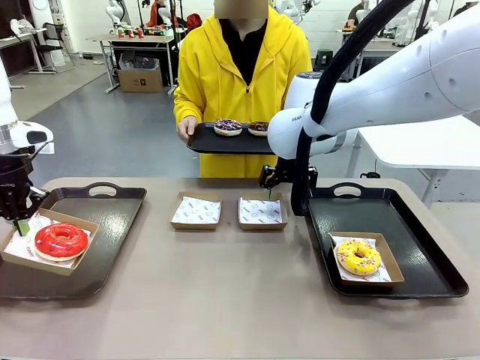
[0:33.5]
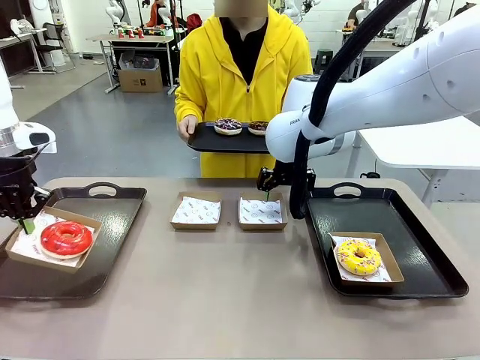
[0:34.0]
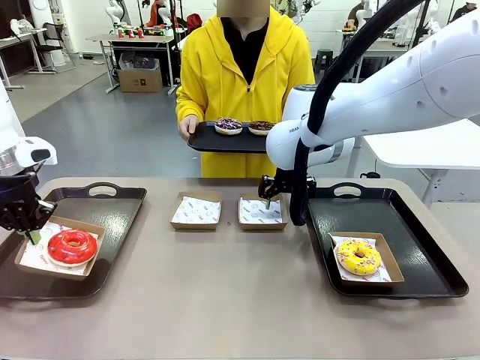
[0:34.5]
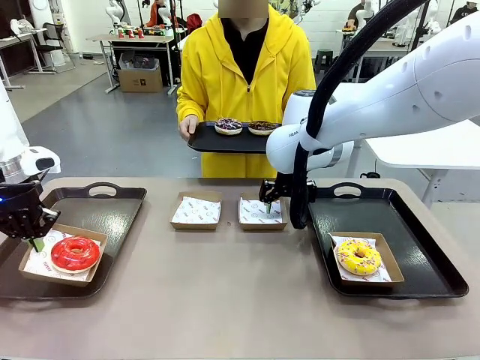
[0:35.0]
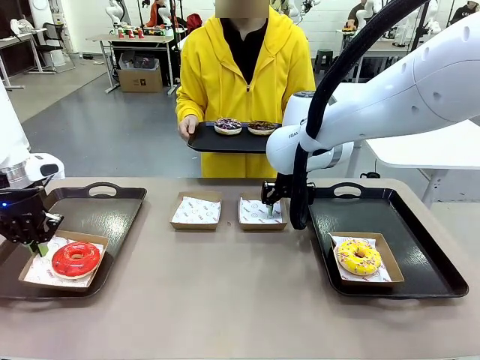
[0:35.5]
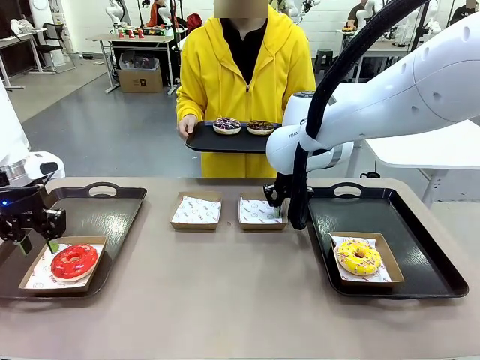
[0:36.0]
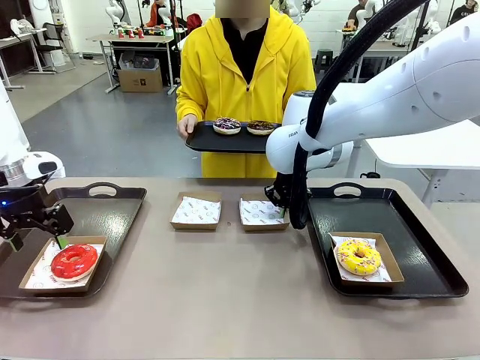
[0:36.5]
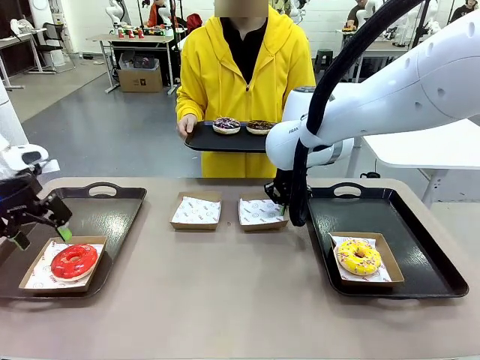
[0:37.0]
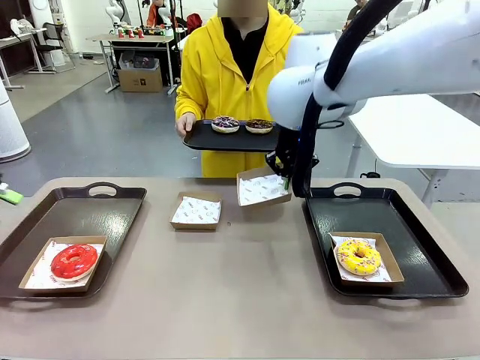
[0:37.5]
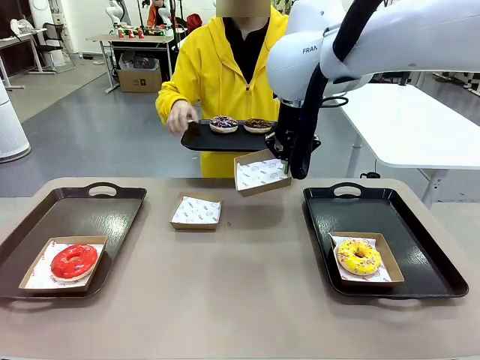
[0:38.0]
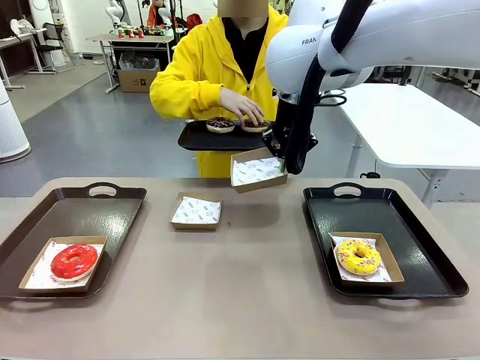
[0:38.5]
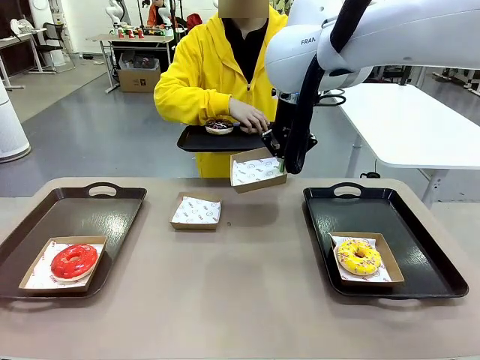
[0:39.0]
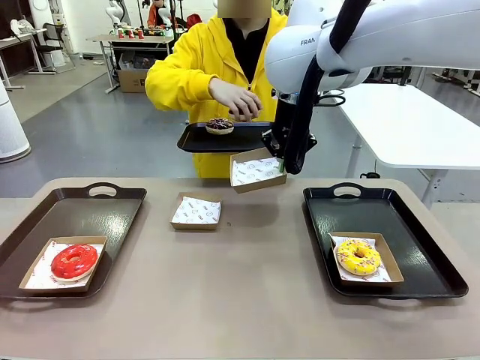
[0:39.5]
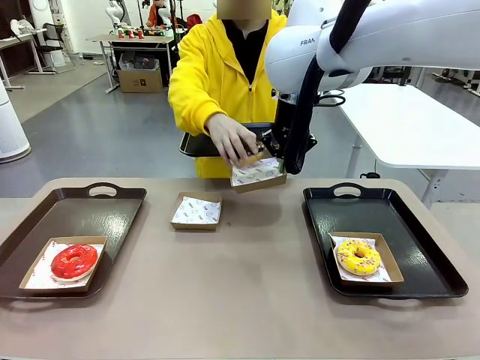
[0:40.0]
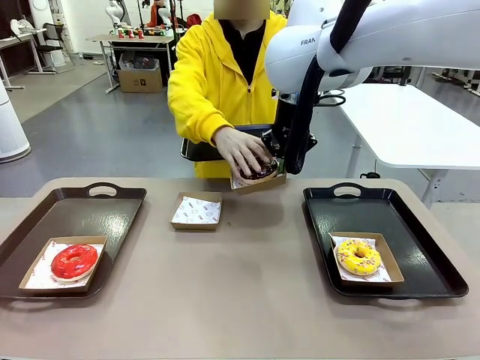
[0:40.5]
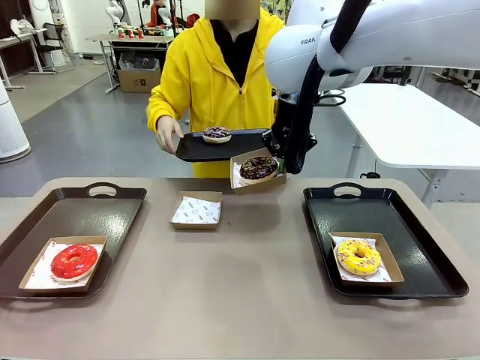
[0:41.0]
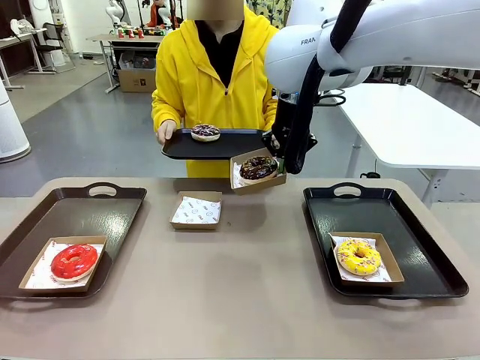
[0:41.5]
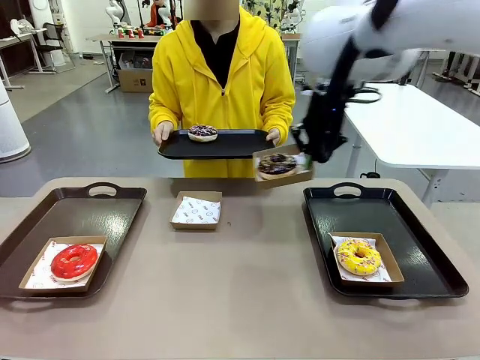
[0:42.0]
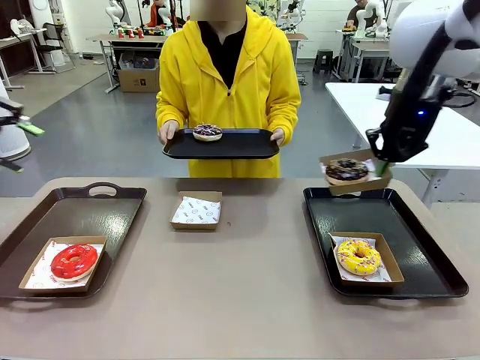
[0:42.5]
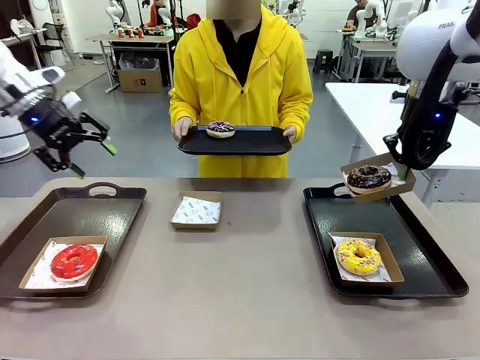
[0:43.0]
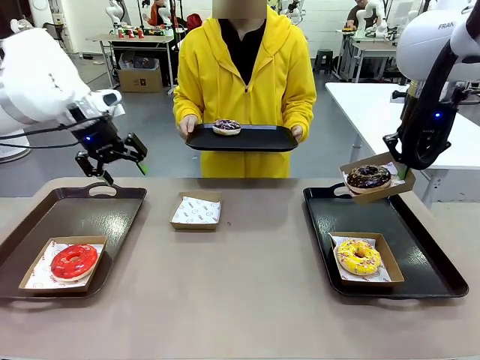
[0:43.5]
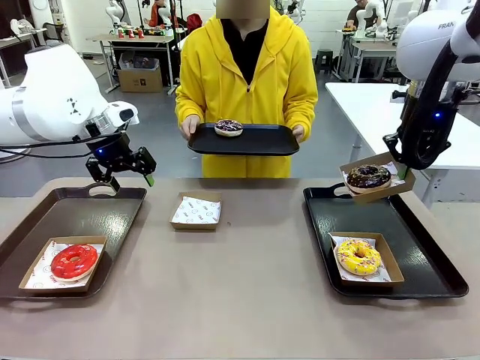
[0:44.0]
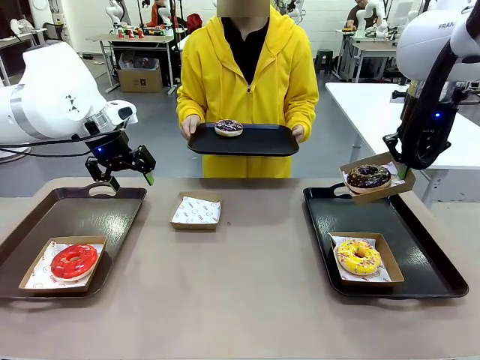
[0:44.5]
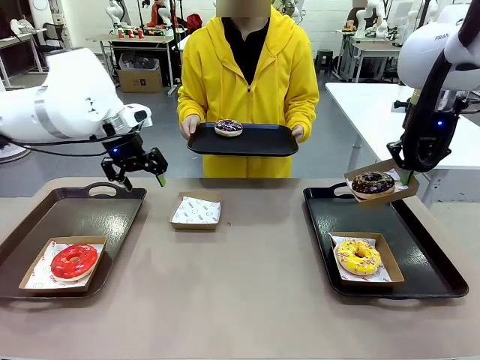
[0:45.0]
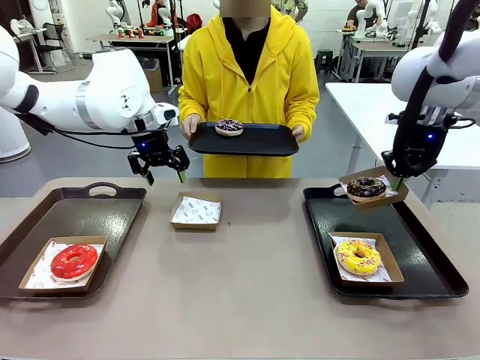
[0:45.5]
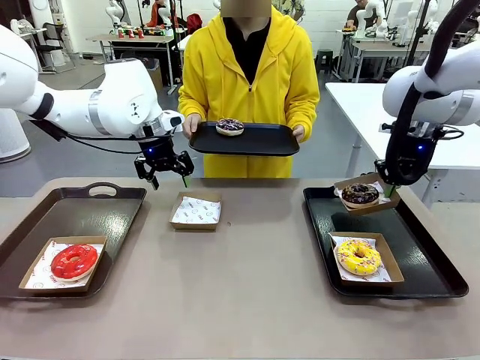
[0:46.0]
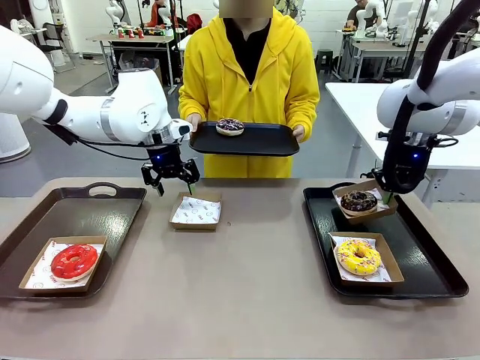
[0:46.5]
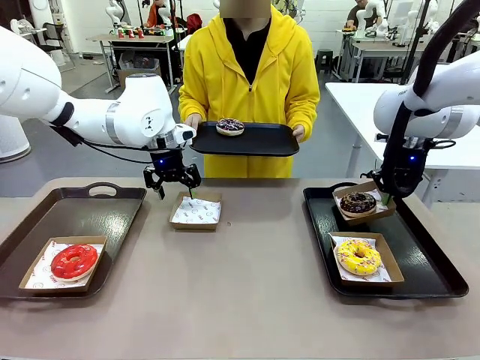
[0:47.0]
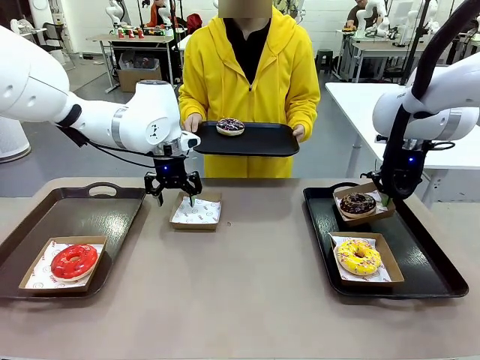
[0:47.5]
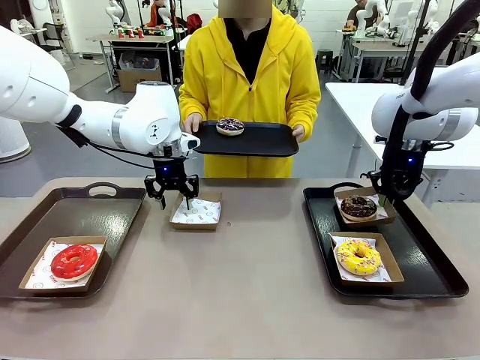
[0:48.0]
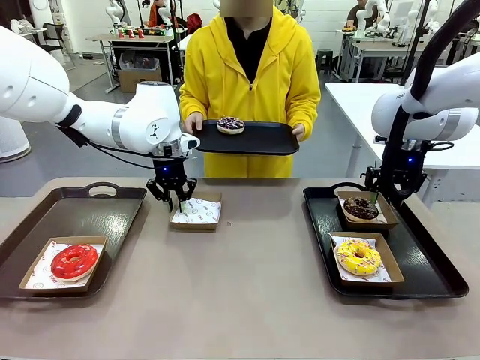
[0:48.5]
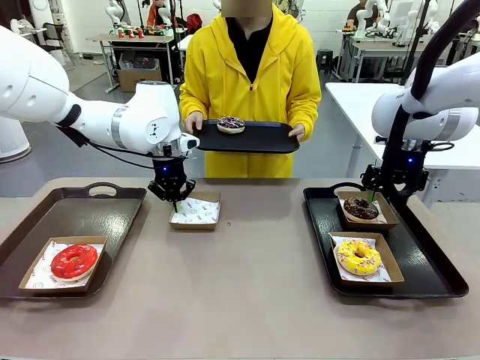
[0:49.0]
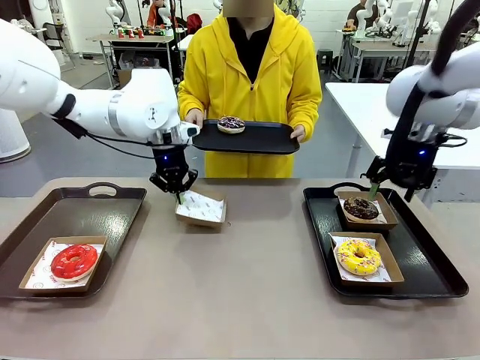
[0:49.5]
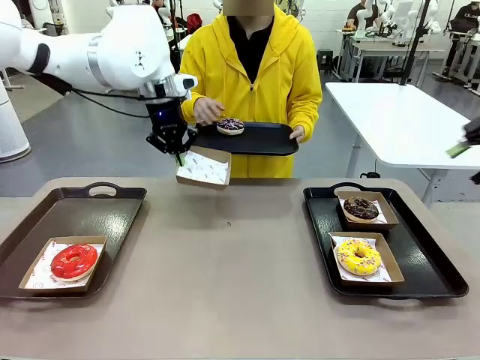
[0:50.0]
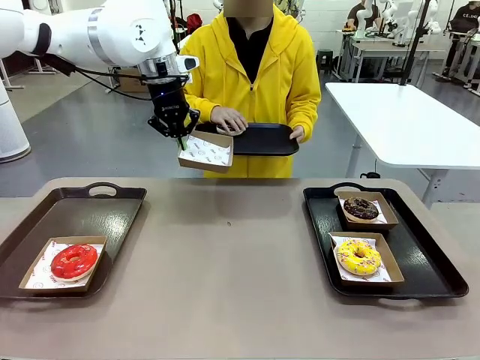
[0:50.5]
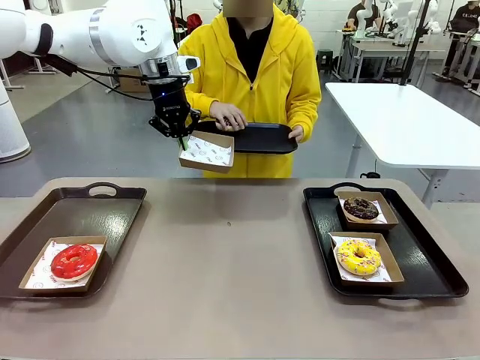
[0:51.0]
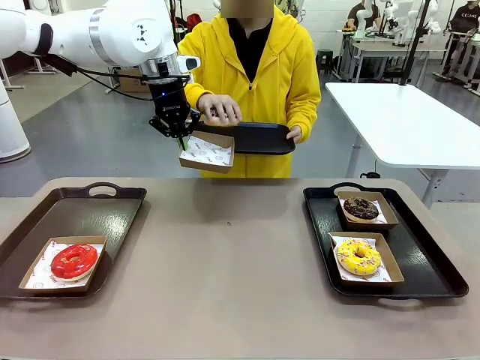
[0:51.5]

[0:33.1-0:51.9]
Task: Individually package the donuts and arrange them on the tray.
Robot: Place the picked Paper togo box on the Handle tray while simultaneously picking up another Paper togo box from the table with the other hand.

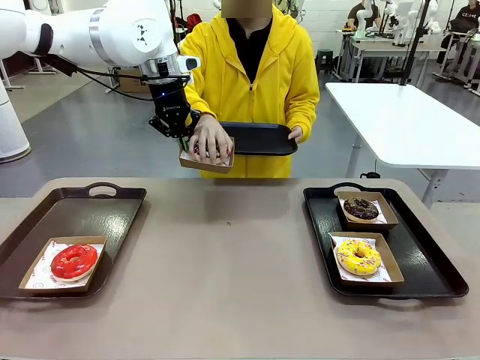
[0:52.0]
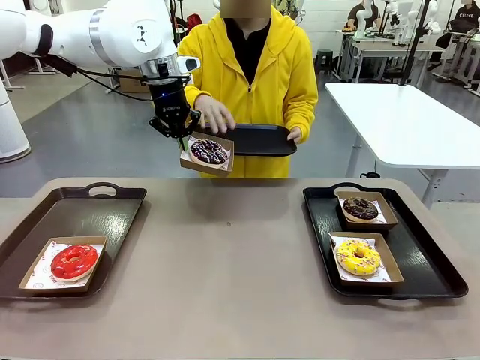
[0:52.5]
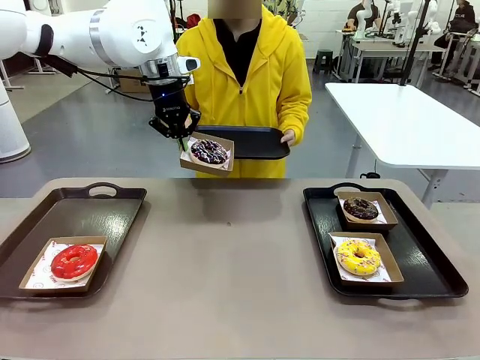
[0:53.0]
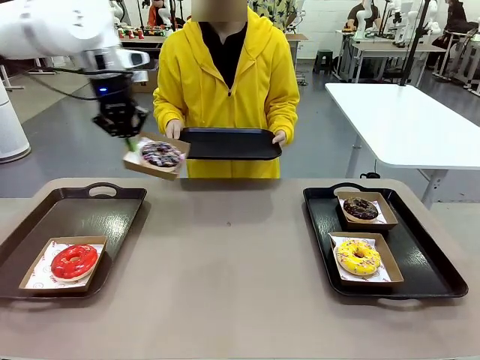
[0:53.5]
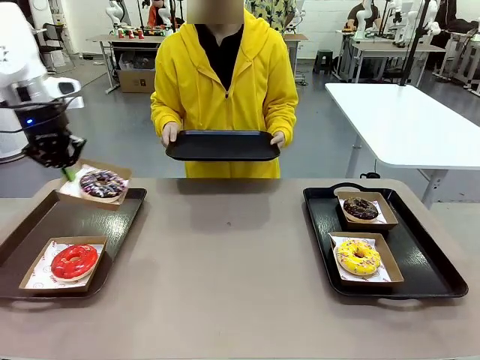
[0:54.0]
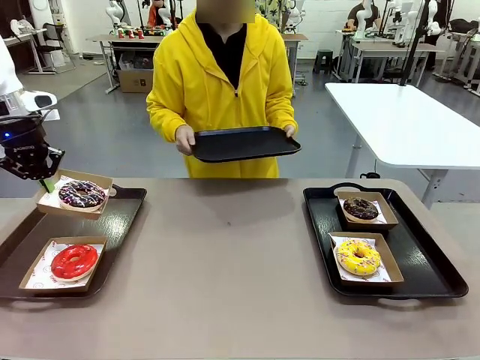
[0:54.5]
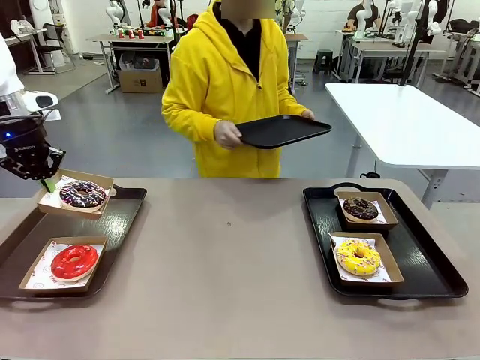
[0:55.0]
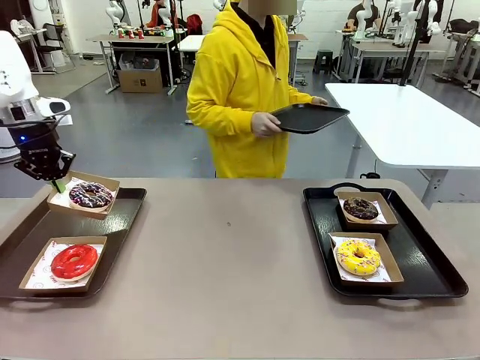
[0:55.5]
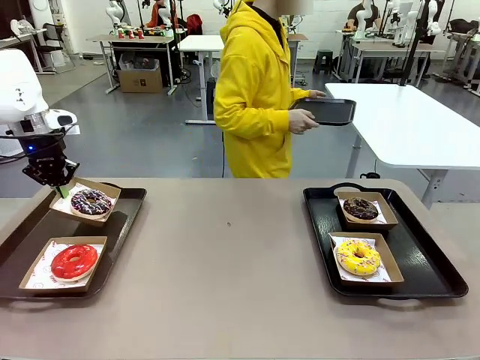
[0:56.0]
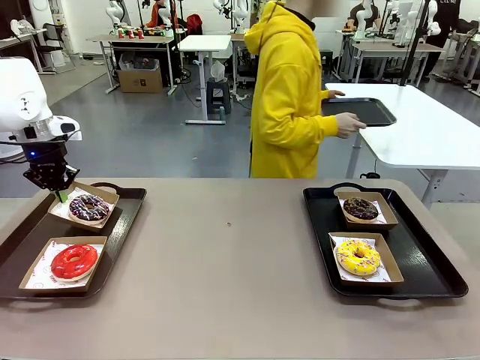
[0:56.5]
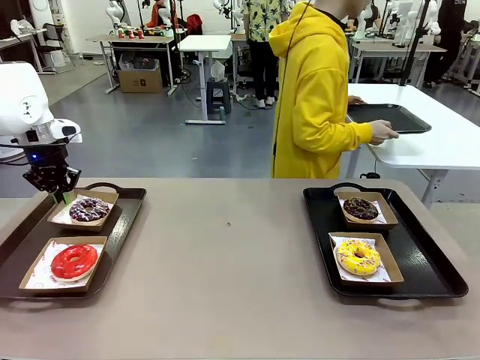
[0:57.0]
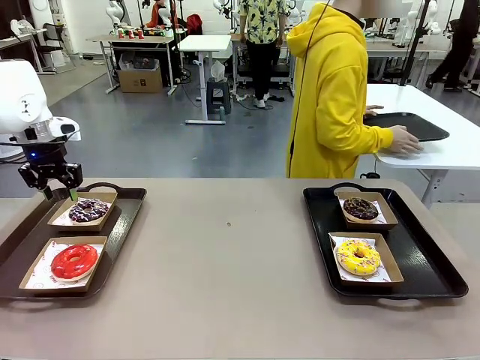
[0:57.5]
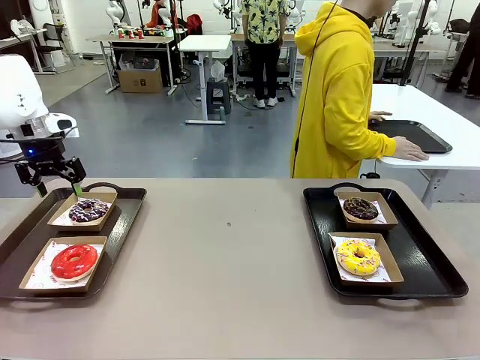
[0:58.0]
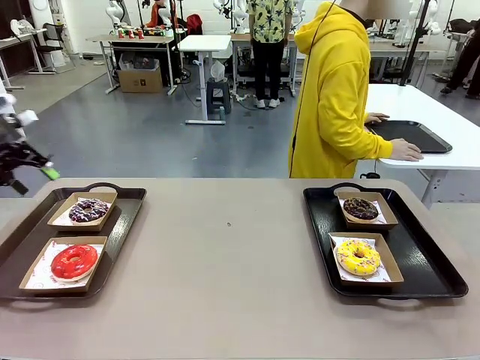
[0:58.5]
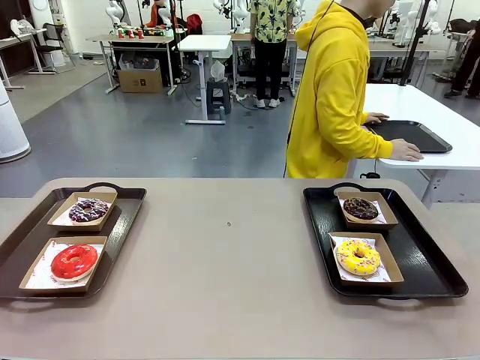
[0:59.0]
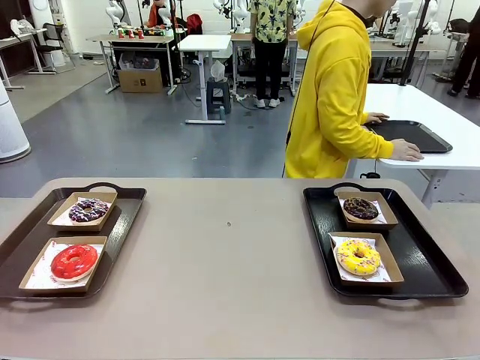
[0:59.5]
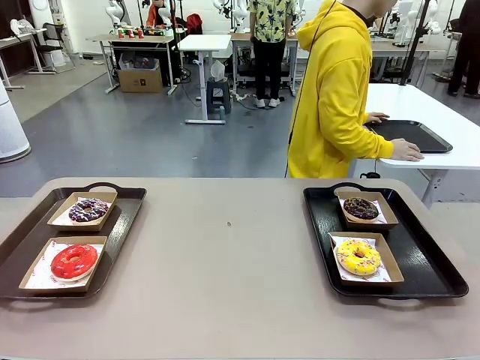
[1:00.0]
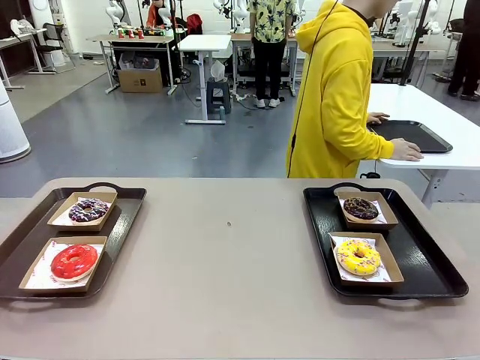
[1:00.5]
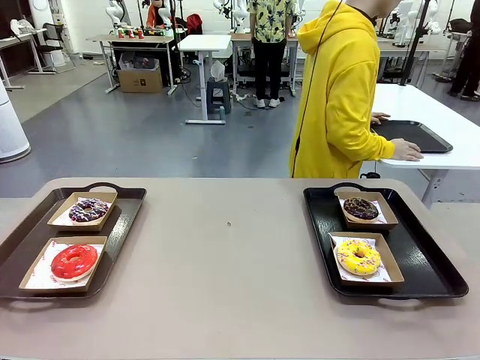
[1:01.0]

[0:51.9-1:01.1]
Robot: Place the picked Paper togo box on the Handle tray.
Person: Place the tray down in the middle of the human table.
